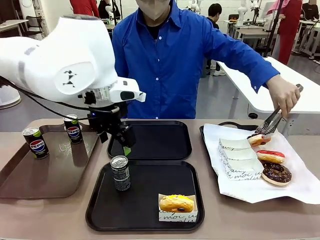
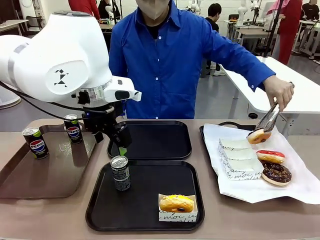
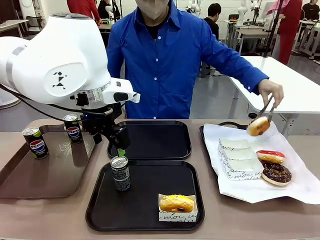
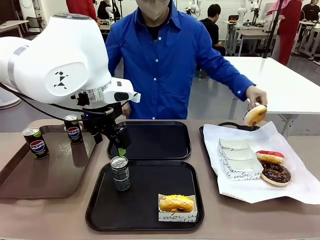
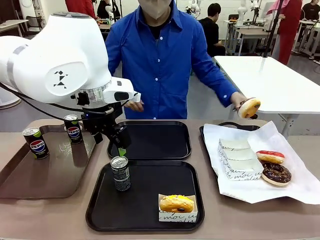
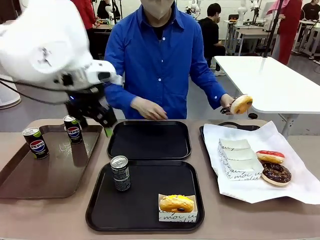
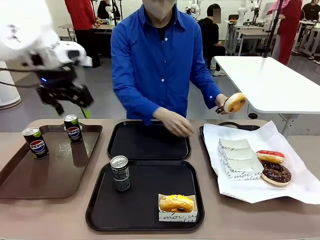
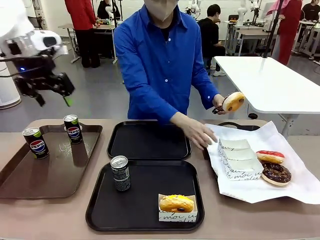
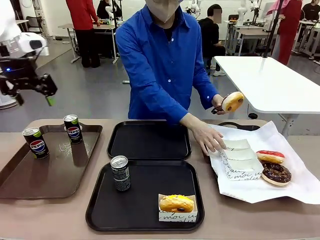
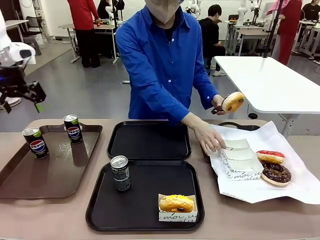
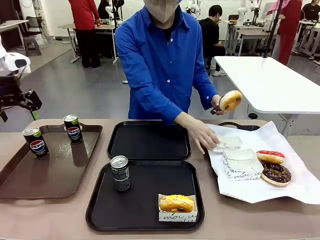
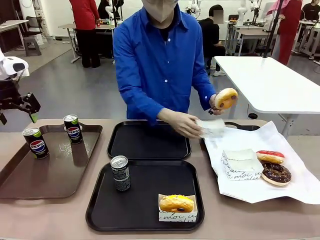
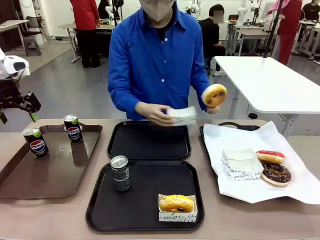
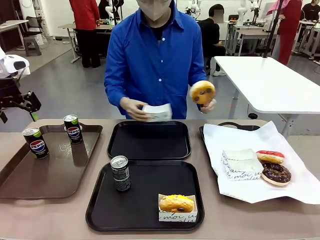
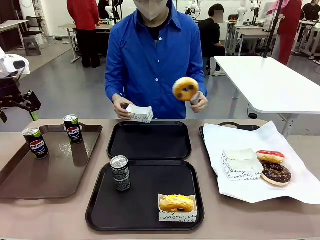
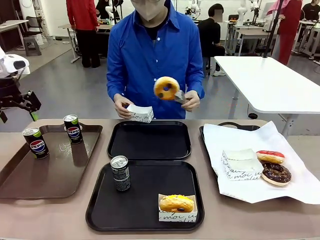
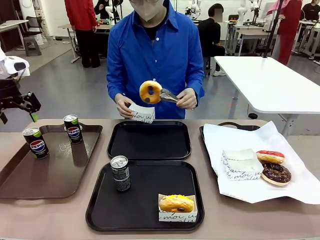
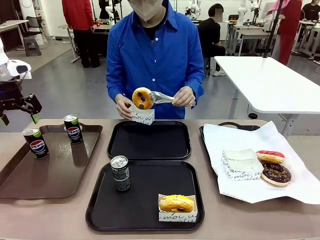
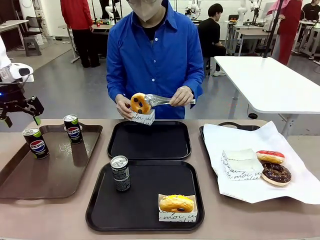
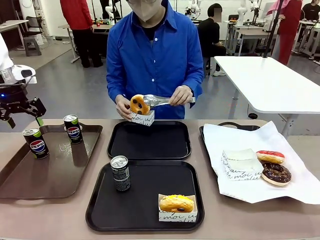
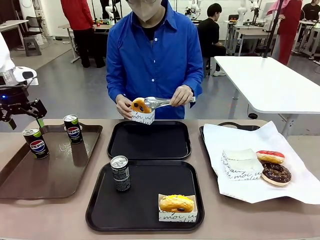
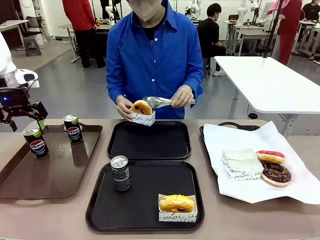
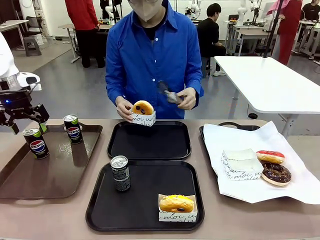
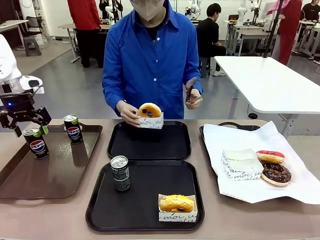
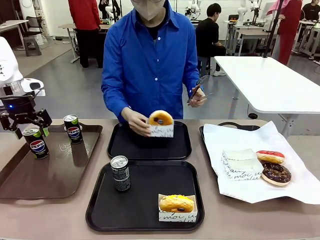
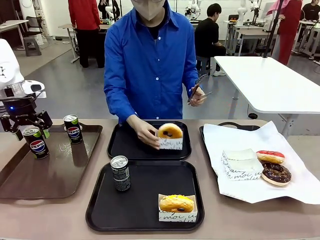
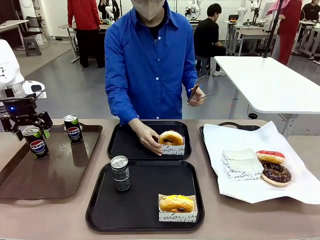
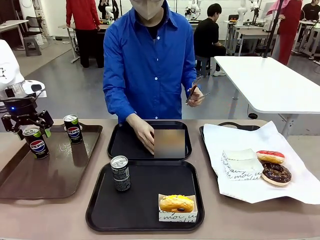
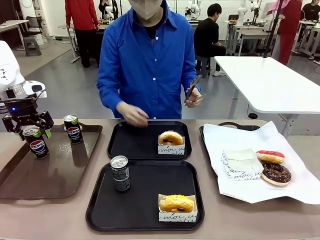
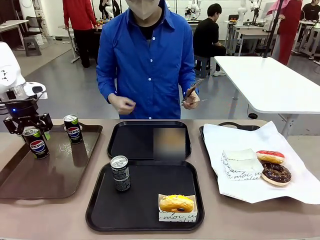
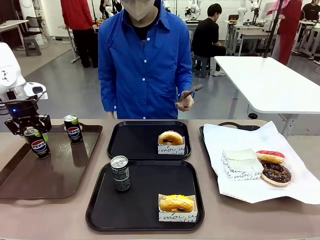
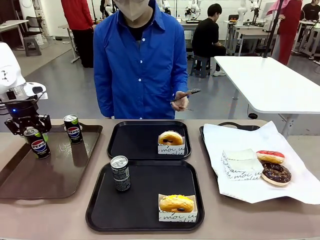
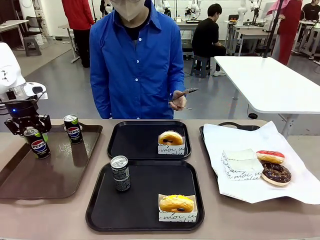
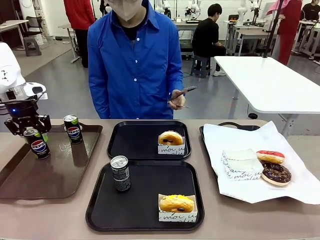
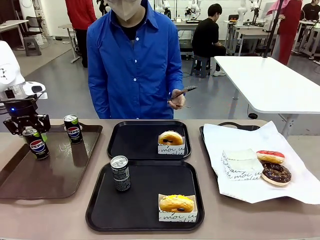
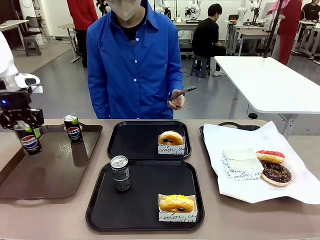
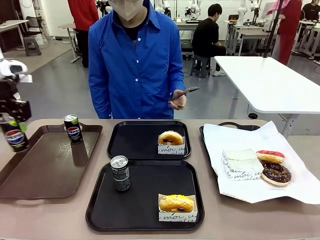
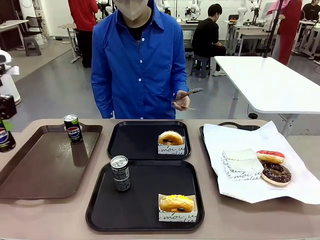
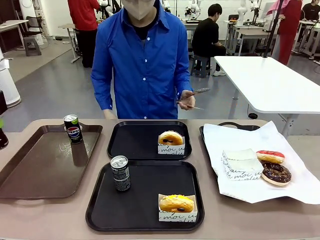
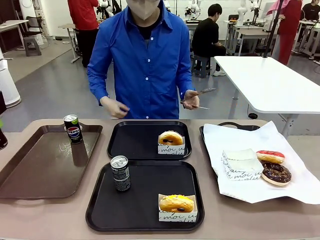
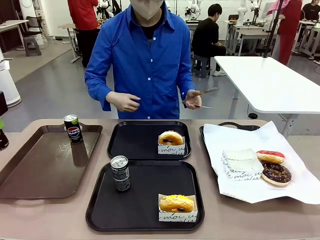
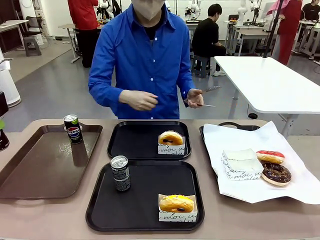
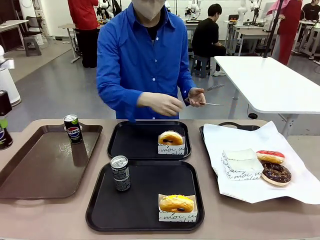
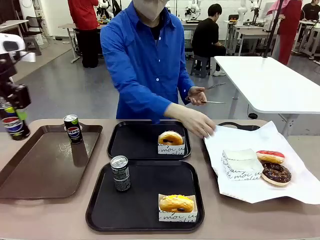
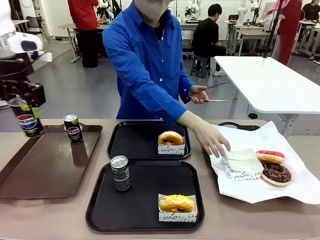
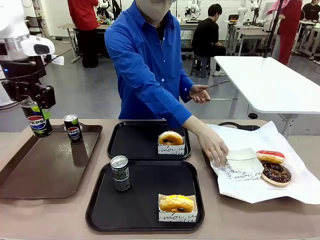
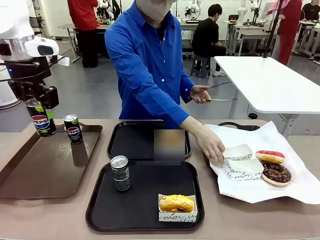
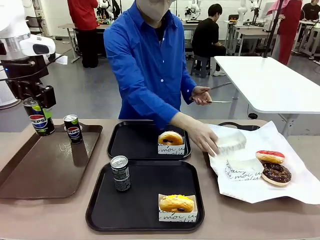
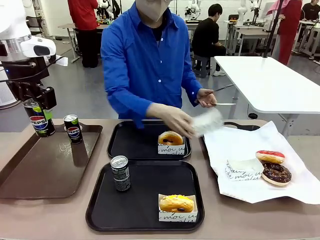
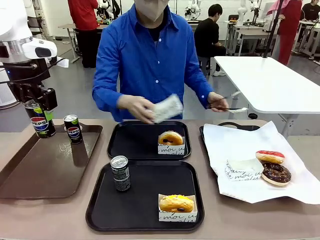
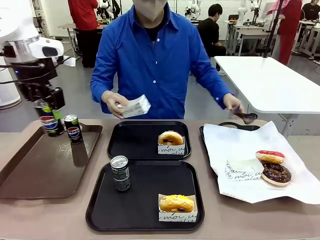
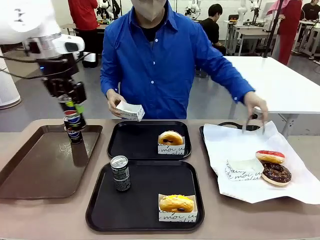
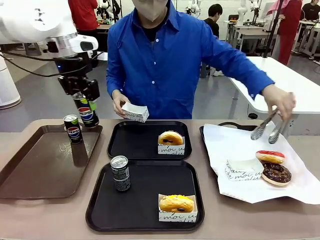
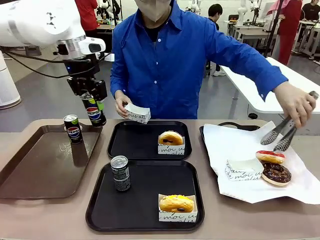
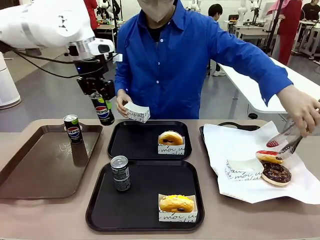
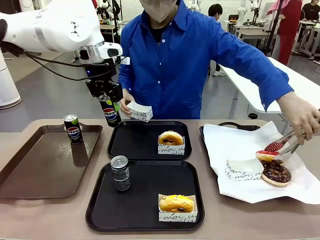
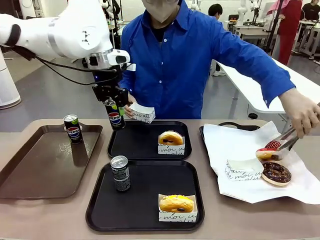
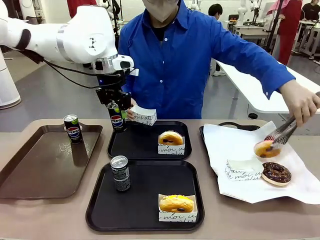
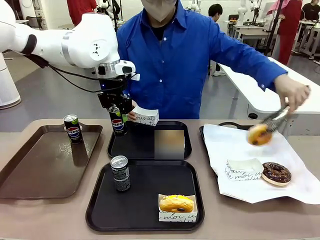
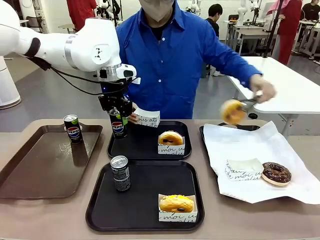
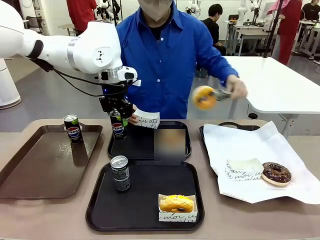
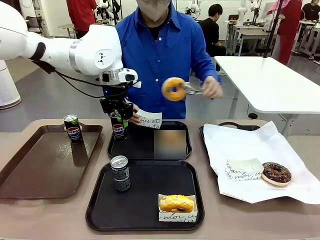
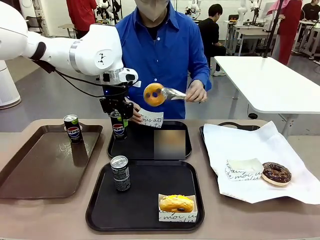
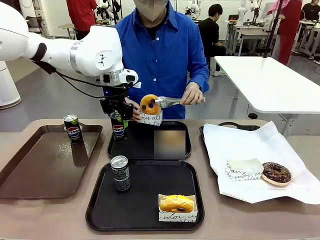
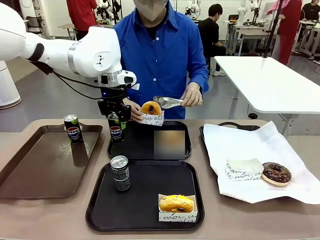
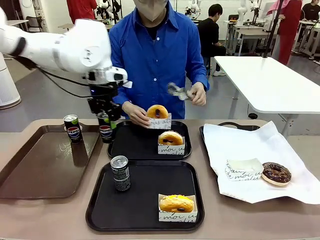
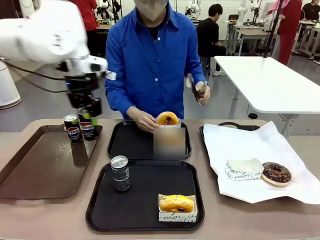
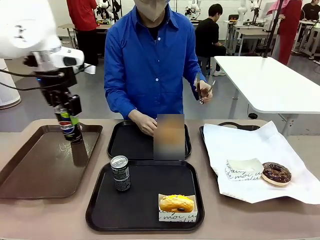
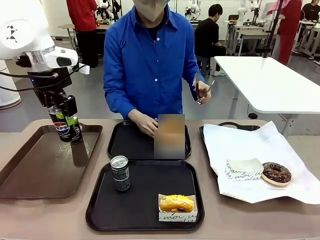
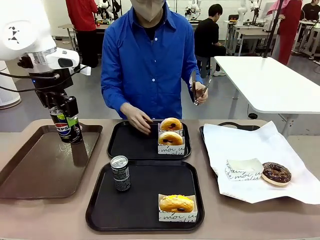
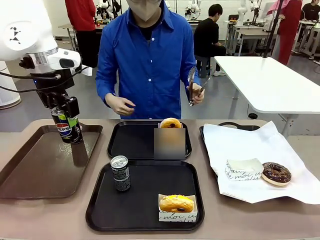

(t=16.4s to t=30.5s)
Task: Set up donuts and drinks on trays.
Robot: Pick up one Pepsi coke from the Handle tray and place it on the Flat Tray without a Pepsi coke.

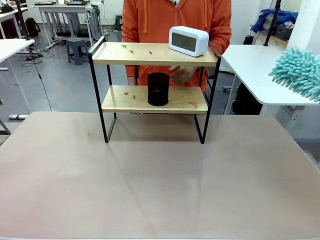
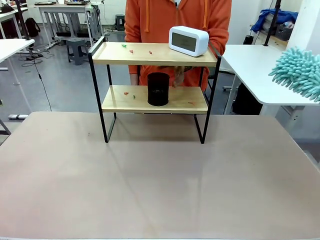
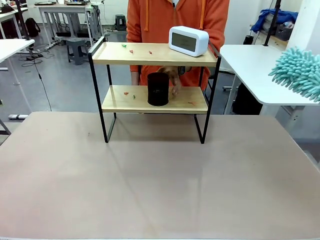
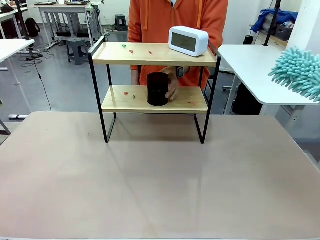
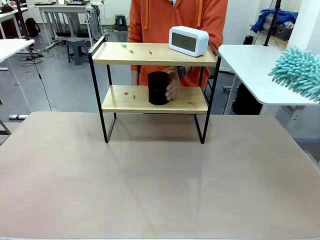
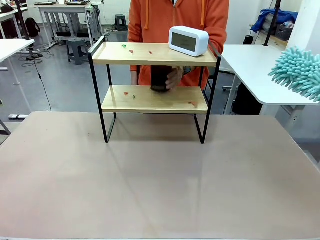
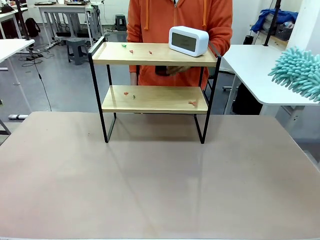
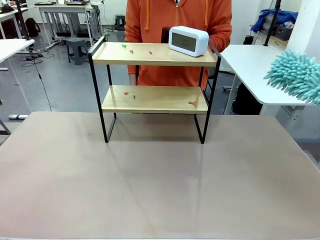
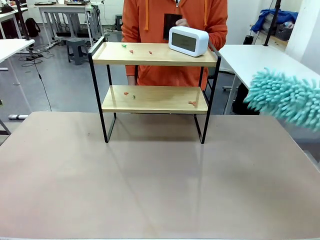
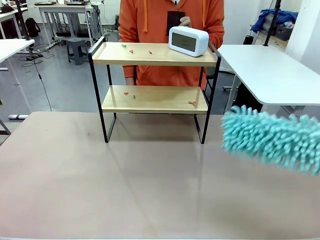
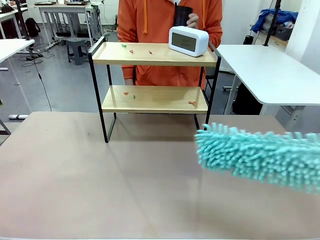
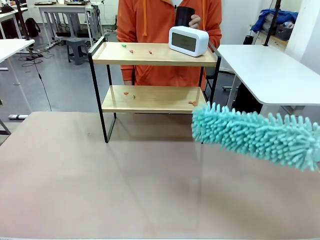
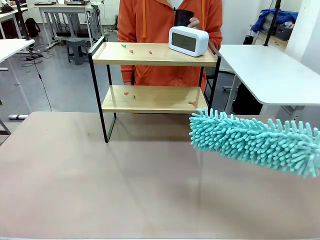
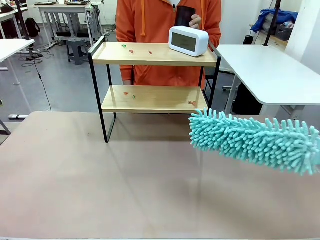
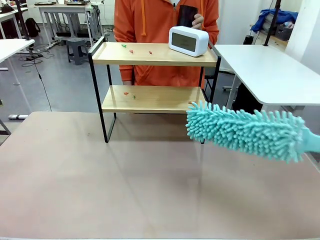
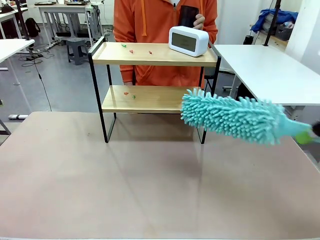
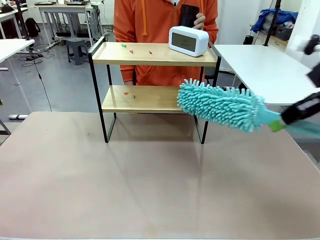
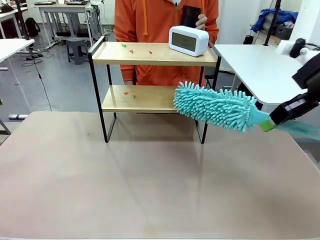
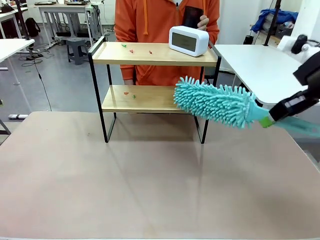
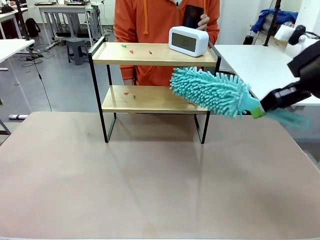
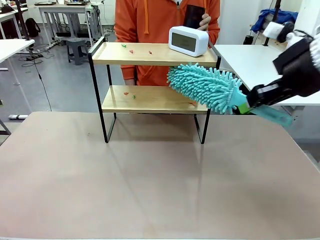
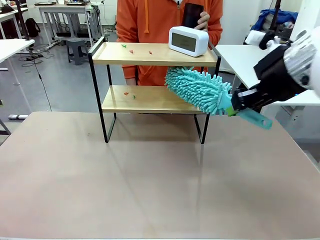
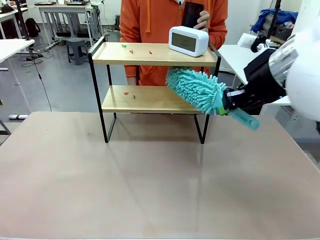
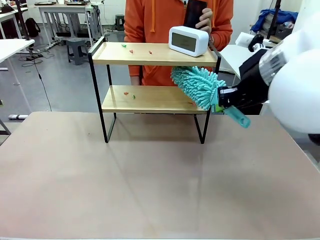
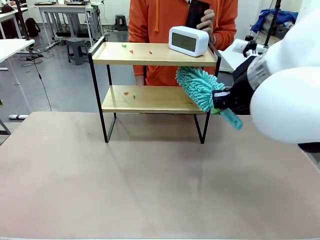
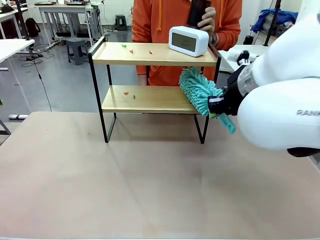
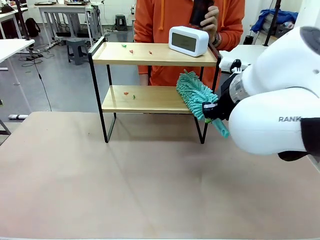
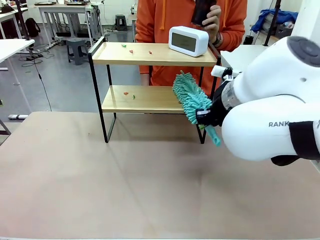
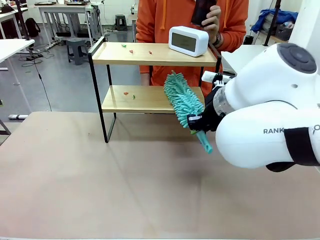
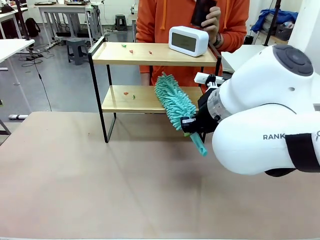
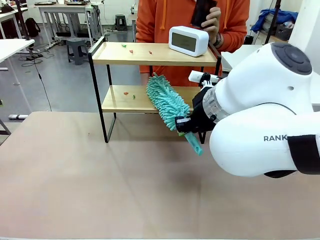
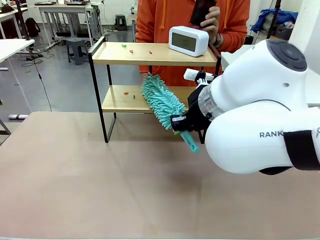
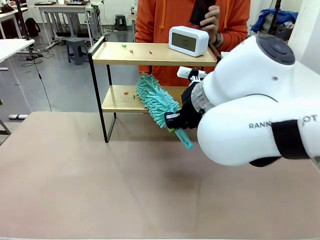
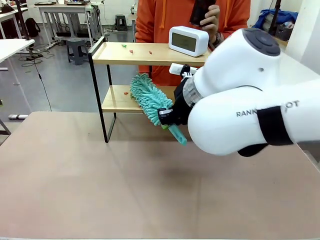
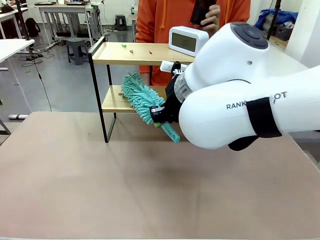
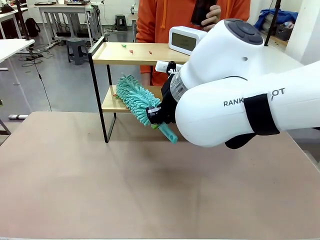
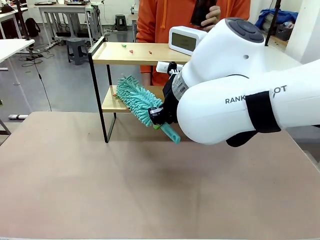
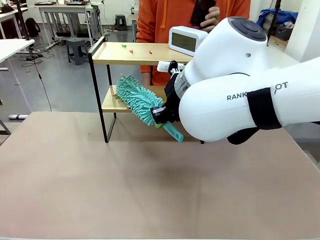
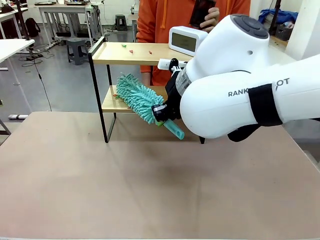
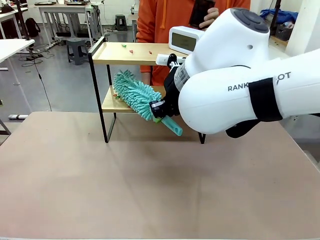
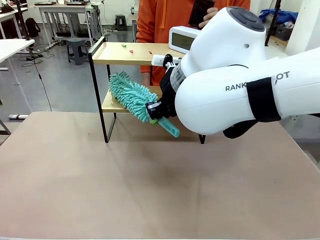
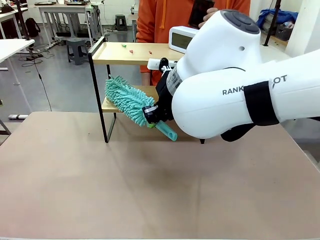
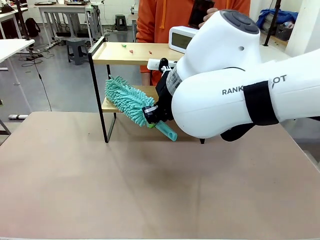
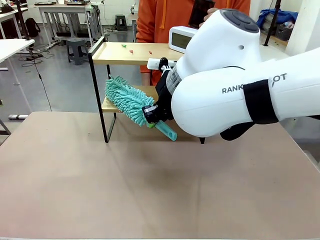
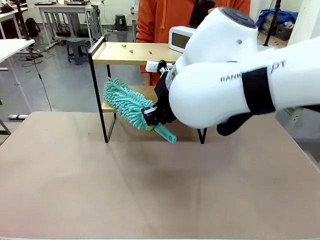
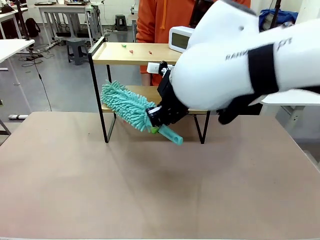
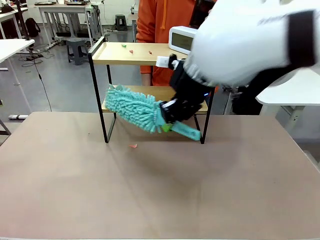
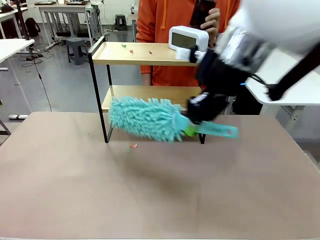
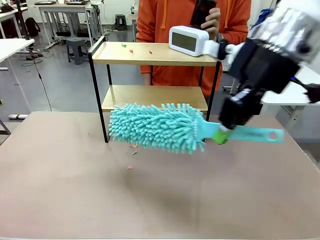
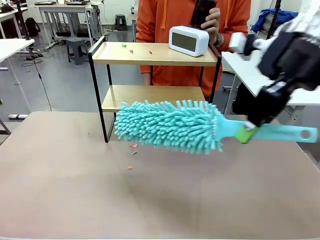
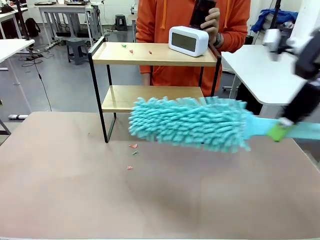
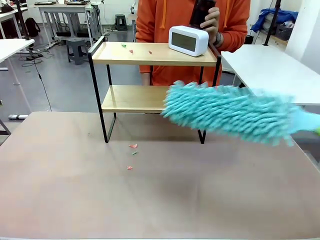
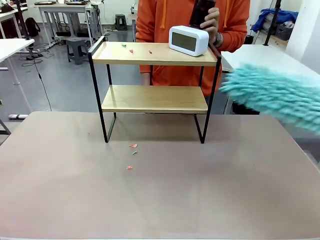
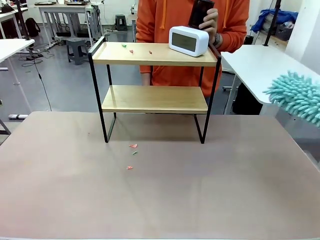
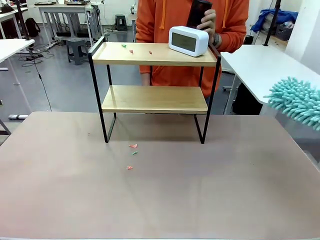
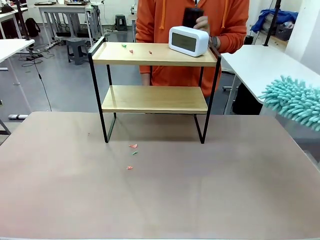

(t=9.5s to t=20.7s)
Task: Clean the shelf.
Robot: Clean the specific tier of the Shelf with the Duster once objects are removed.
Person: Lift the objects on a randomly selected tier of the Shelf. Once the robot finishes cleaning, lift the objects on the remaining tiers of the Shelf.
